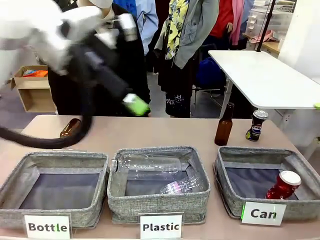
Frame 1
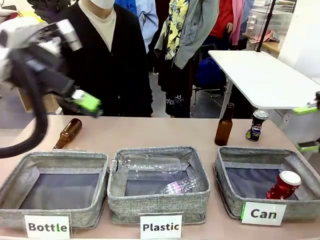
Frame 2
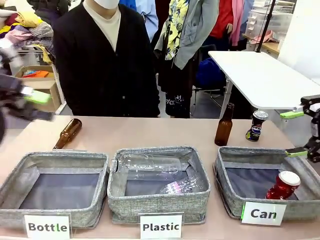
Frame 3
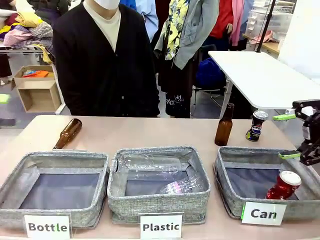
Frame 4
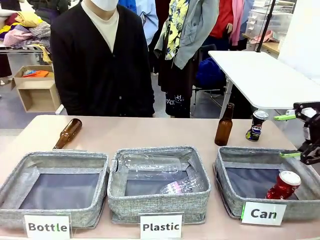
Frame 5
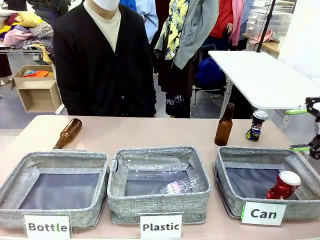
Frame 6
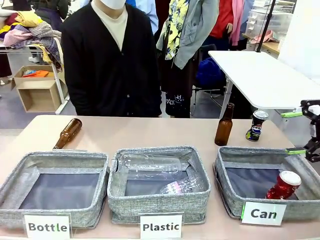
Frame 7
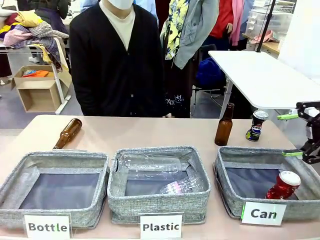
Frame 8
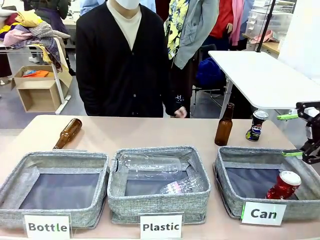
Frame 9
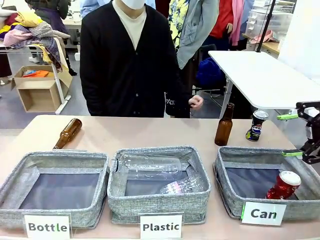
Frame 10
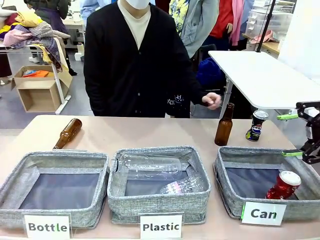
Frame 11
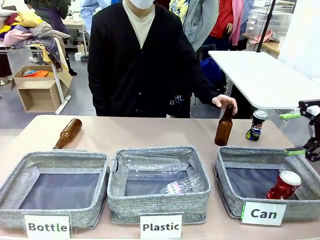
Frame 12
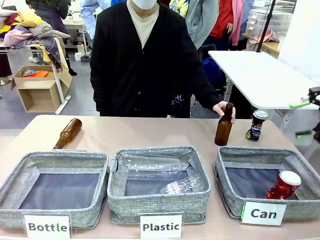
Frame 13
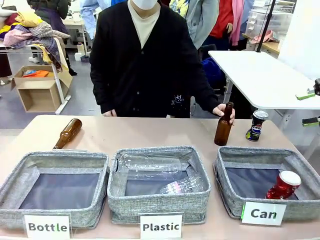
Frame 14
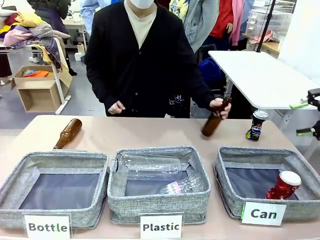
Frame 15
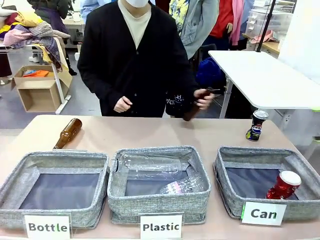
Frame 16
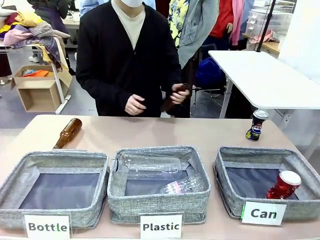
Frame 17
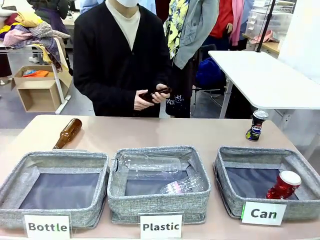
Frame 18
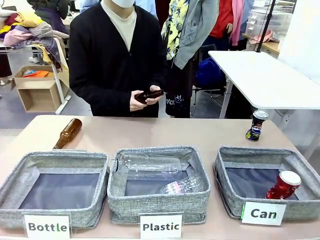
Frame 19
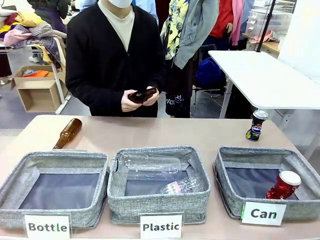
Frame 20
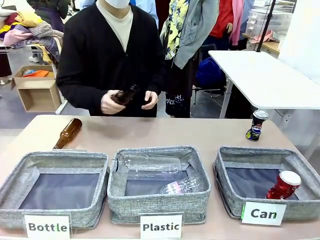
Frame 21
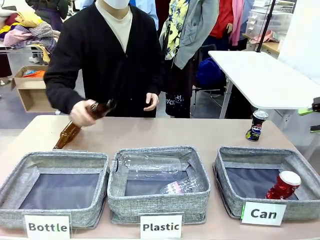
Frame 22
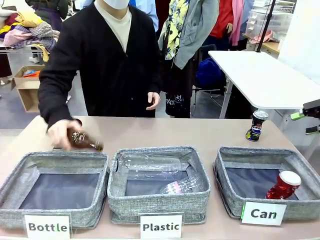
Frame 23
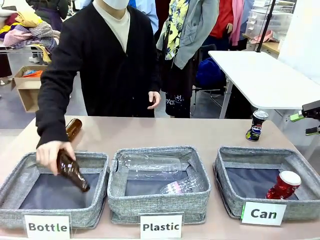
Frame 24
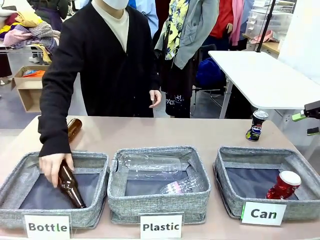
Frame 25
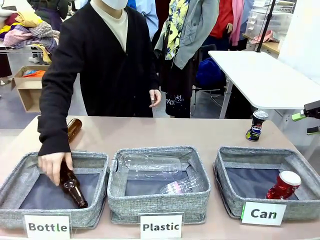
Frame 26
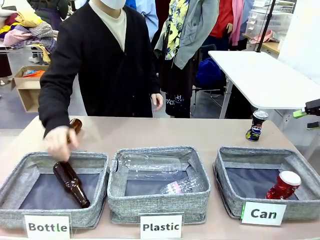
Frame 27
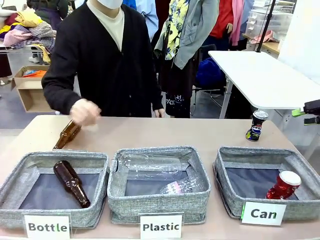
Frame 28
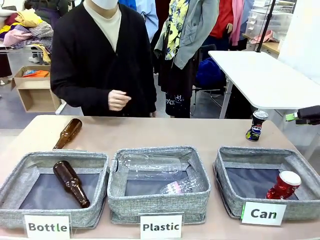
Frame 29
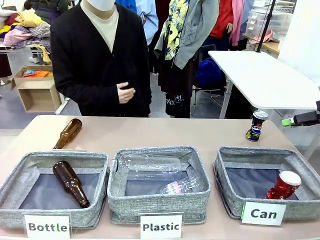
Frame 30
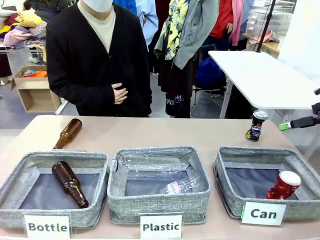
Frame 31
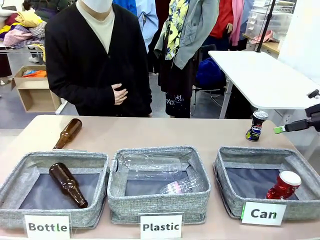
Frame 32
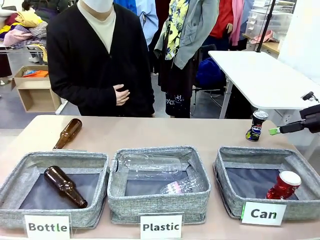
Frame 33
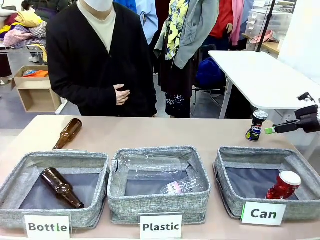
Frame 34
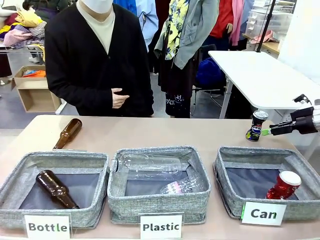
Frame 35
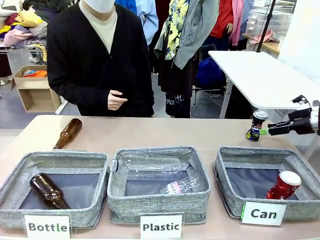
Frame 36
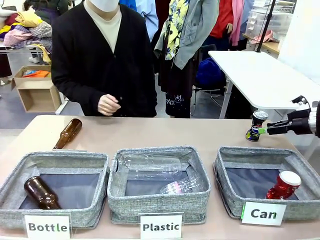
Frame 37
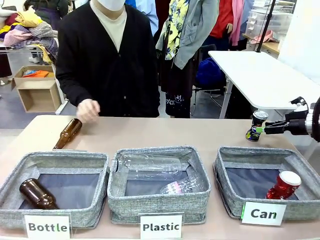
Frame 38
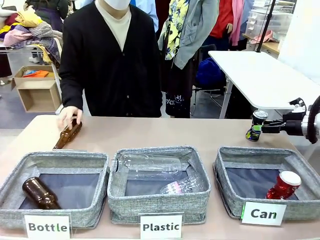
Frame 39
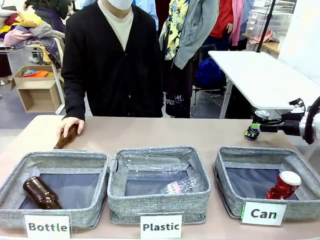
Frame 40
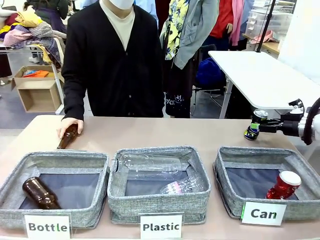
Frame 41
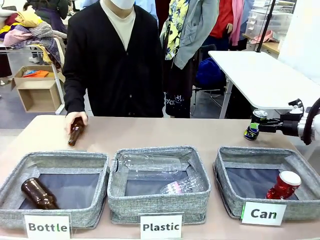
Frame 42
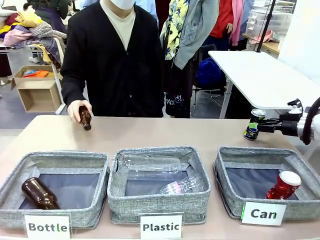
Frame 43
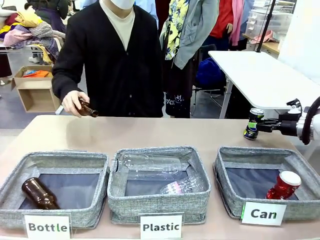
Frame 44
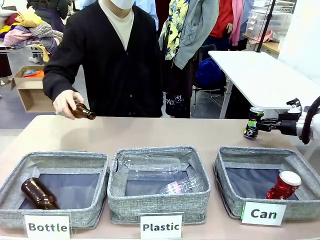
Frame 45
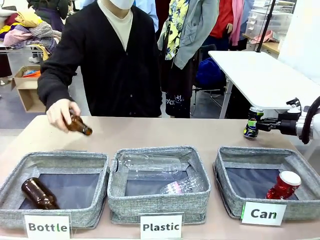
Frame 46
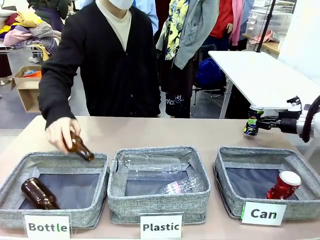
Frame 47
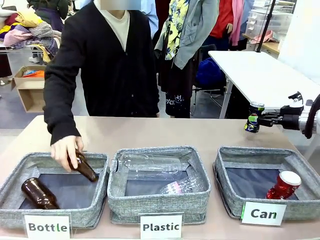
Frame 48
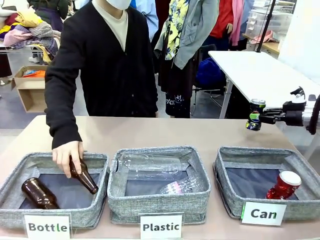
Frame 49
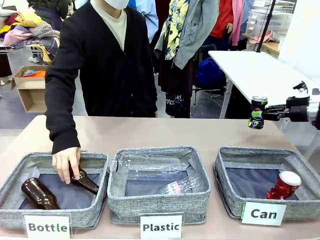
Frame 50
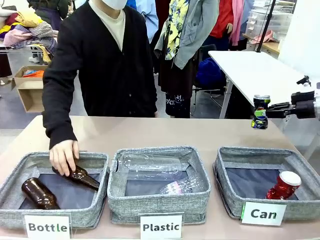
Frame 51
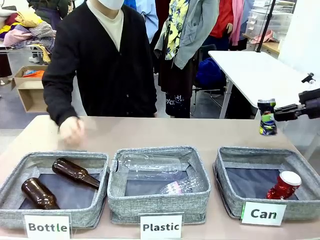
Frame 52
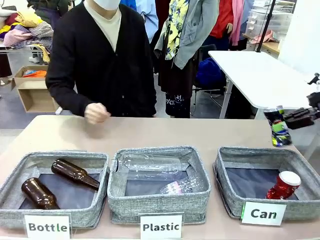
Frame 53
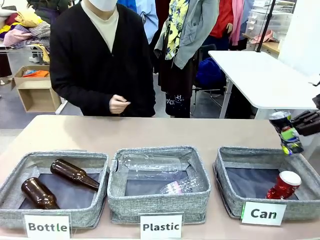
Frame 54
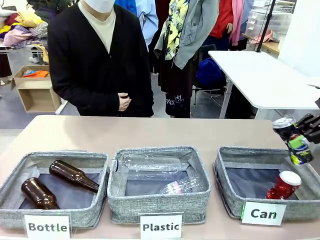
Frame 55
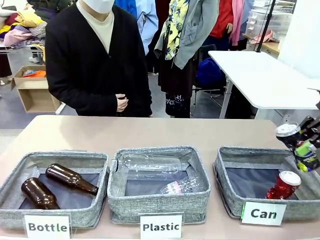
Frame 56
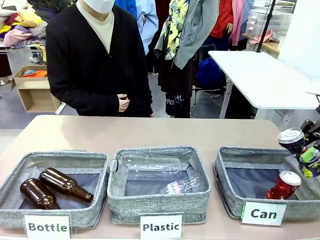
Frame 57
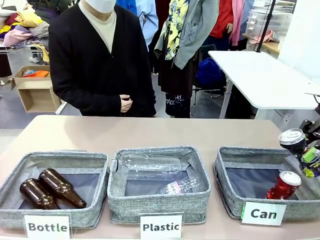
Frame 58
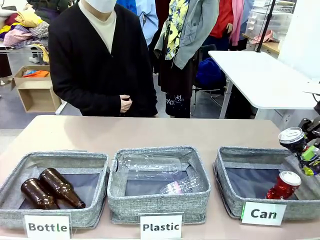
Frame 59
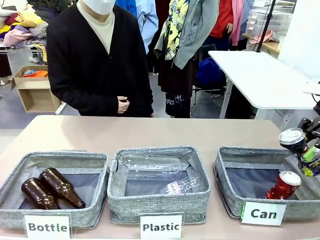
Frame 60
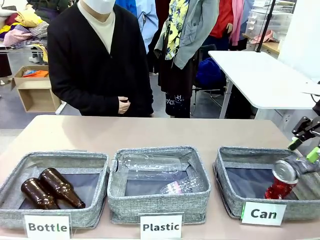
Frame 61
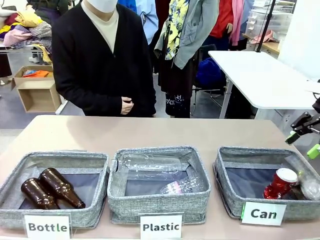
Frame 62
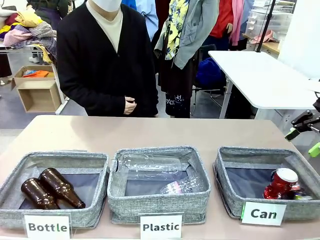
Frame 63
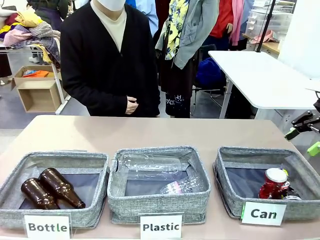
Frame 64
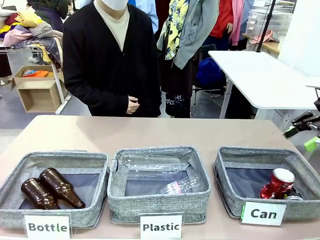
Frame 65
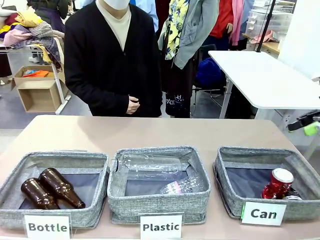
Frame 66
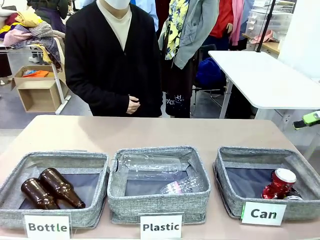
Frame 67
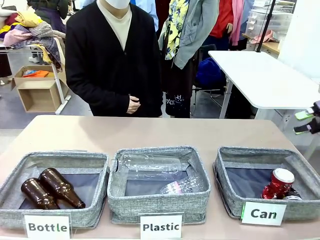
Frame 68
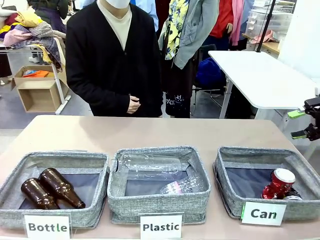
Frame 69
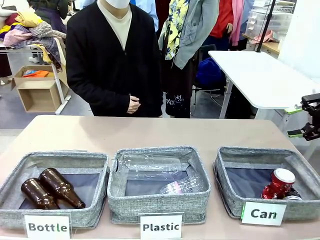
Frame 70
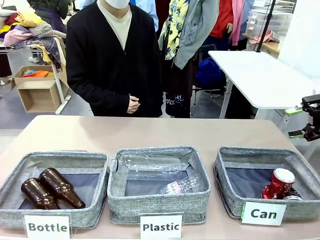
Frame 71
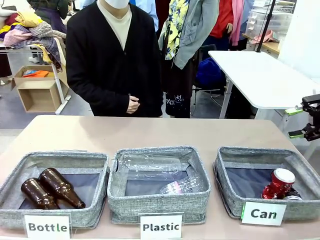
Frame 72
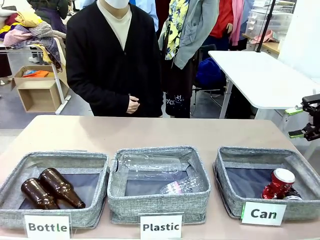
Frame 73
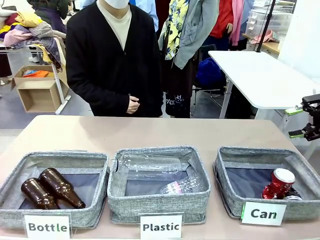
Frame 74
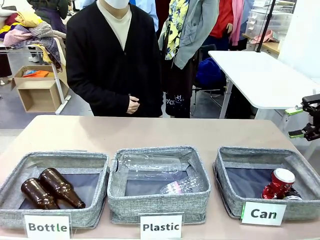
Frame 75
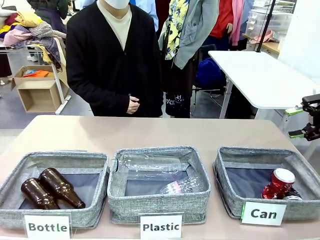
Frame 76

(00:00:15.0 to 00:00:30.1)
Task: Sort the can waste into the basket.
Robot: Pick up the can waste from the table and place it in the right Fabric basket.
Person: The human picks up one piece of trash that is not a can and places the trash into the appropriate organizing basket.
